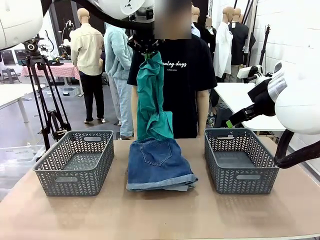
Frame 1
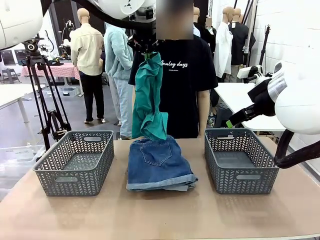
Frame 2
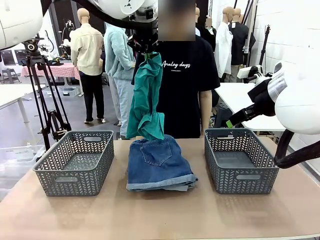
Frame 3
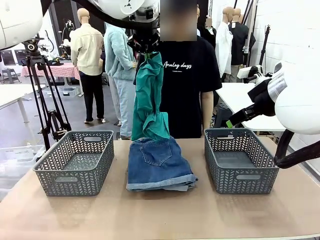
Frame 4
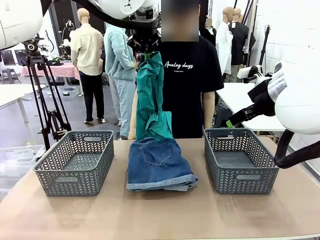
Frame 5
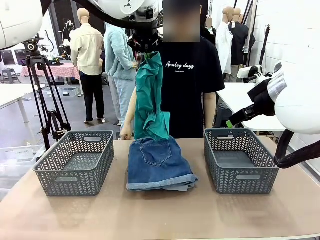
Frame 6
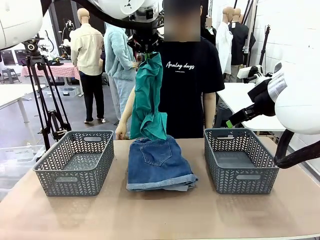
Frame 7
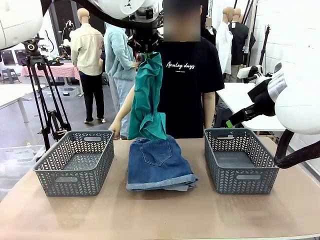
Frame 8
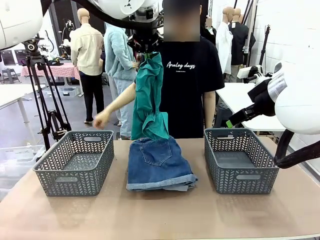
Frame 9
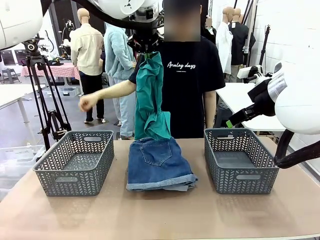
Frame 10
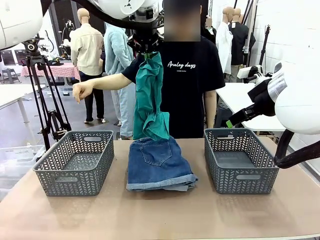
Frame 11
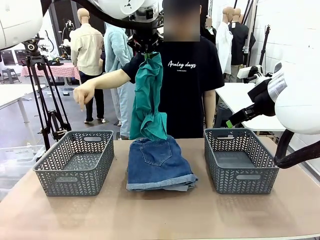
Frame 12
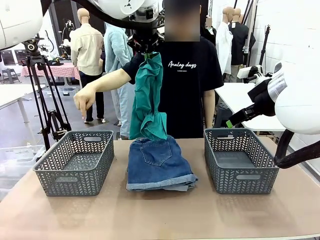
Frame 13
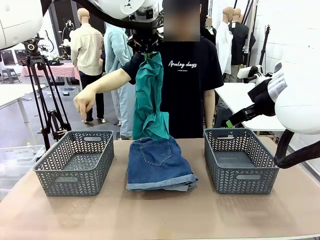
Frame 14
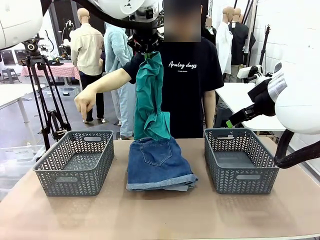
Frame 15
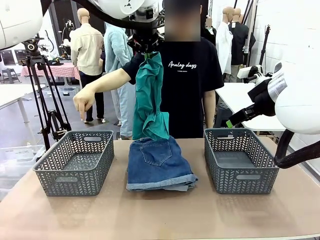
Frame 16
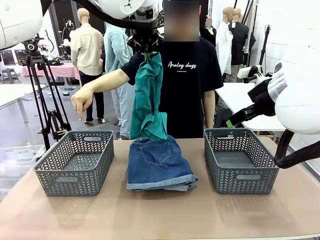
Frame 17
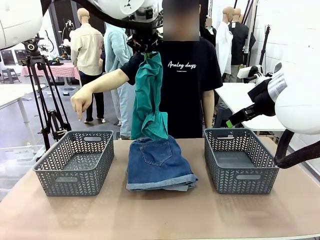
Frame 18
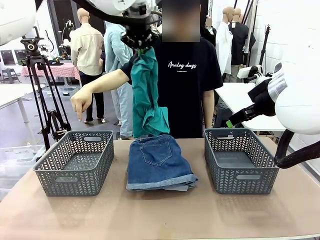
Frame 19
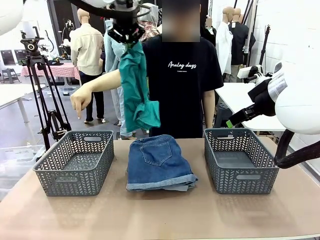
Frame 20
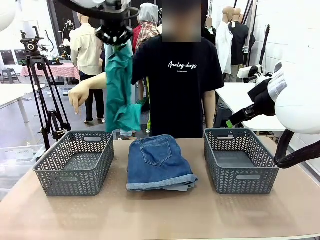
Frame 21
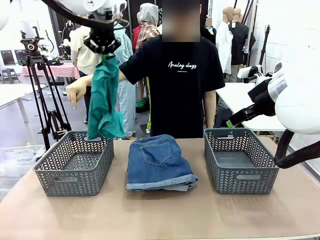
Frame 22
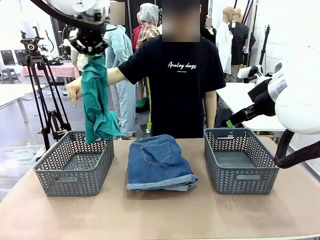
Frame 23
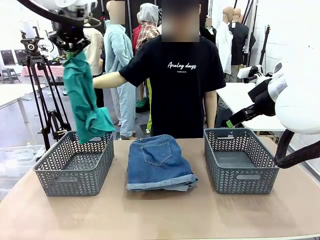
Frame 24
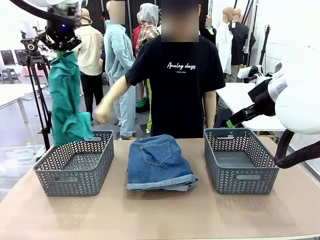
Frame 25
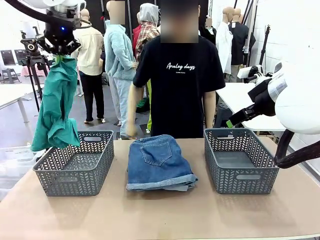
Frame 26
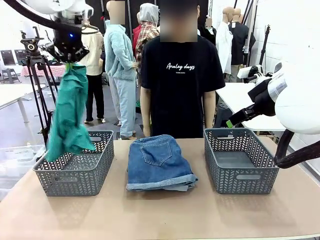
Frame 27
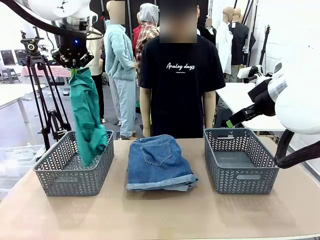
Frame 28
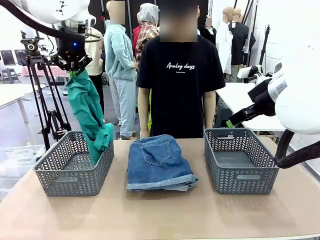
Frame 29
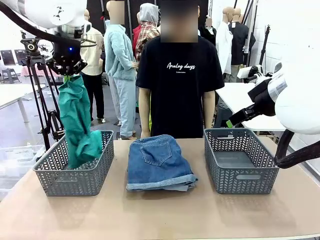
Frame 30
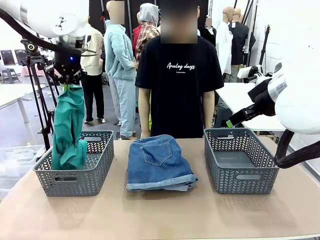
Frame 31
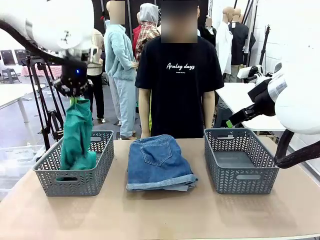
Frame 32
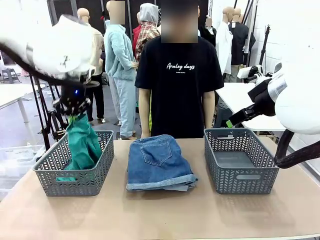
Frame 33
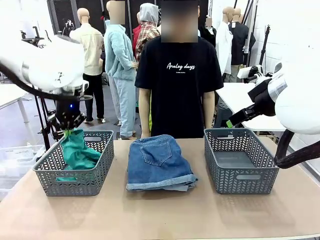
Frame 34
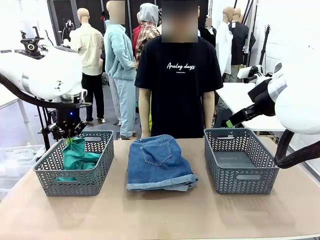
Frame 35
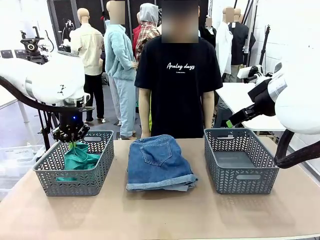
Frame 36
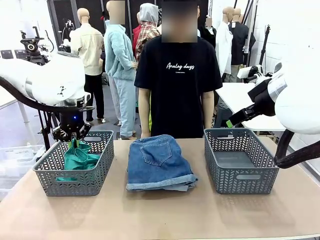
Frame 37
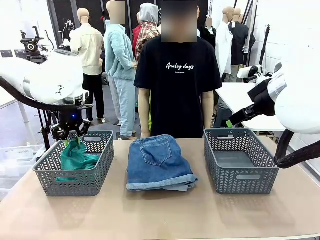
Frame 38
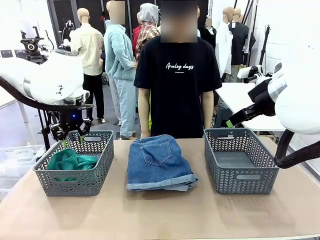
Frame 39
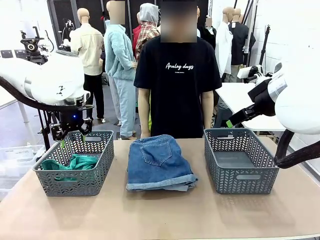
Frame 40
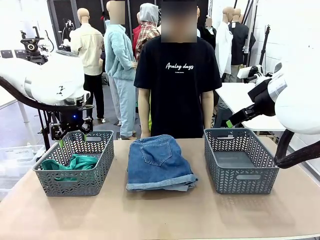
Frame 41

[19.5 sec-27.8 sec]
Task: Sort the tops and bottoms.
Robot: Sort the clothes according to human instructions.

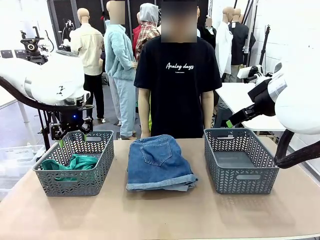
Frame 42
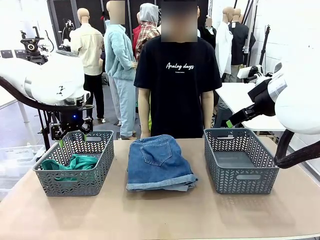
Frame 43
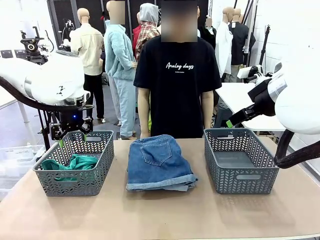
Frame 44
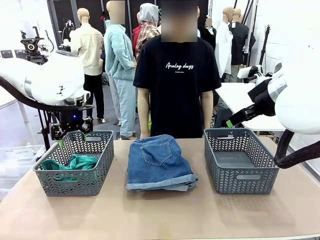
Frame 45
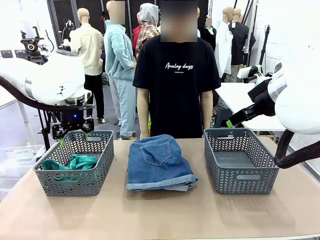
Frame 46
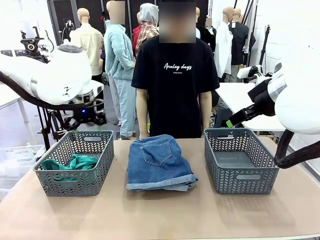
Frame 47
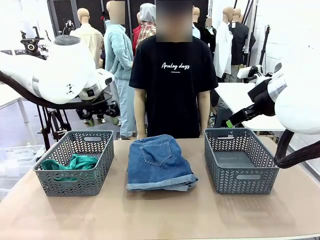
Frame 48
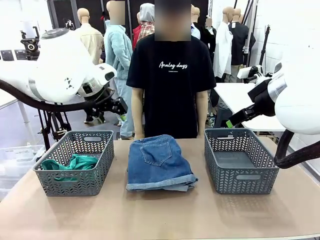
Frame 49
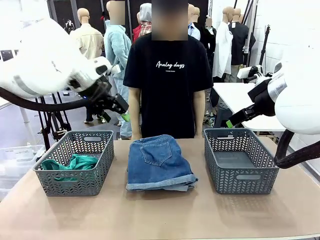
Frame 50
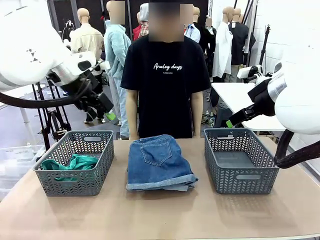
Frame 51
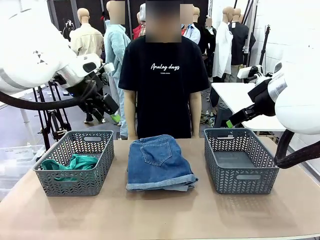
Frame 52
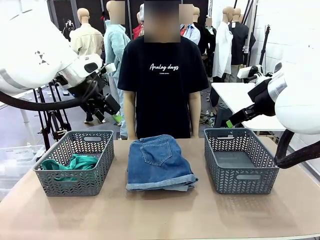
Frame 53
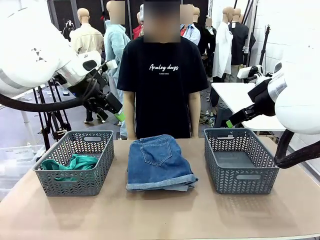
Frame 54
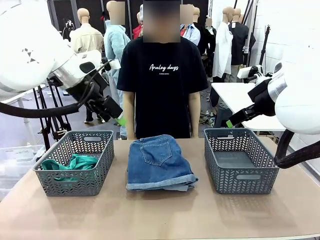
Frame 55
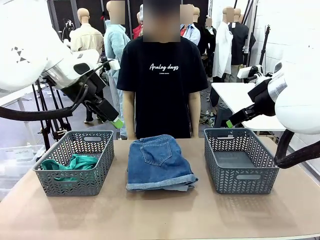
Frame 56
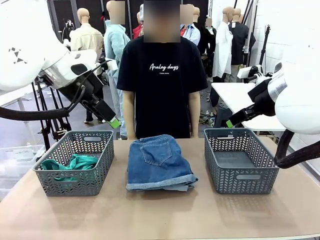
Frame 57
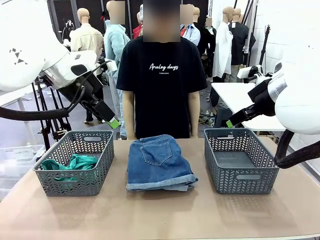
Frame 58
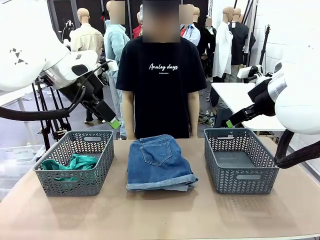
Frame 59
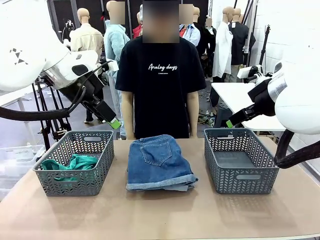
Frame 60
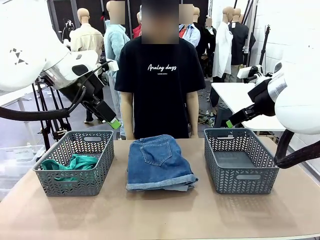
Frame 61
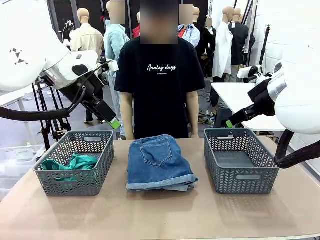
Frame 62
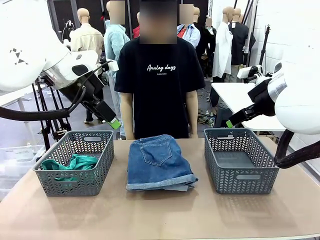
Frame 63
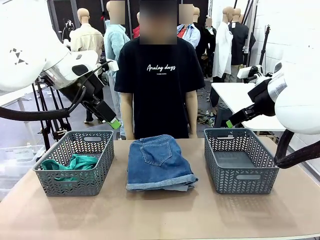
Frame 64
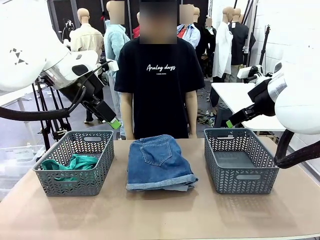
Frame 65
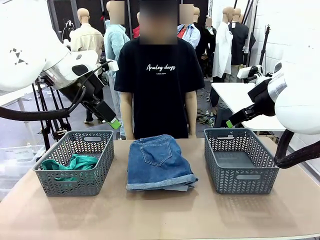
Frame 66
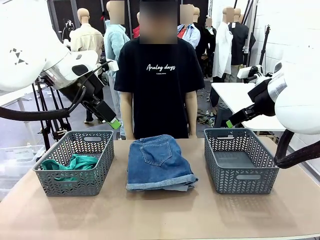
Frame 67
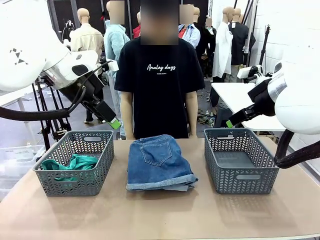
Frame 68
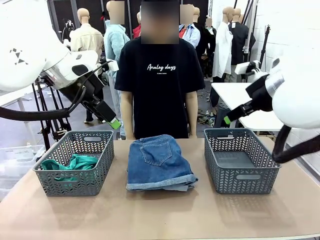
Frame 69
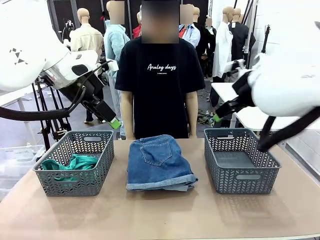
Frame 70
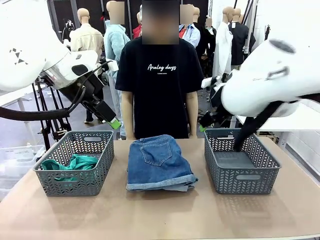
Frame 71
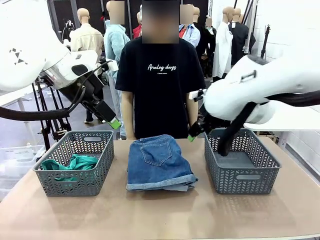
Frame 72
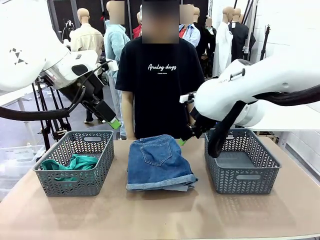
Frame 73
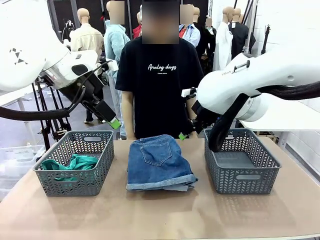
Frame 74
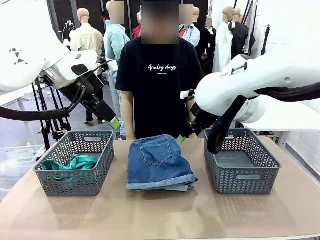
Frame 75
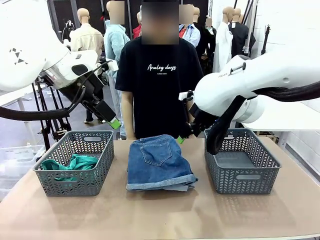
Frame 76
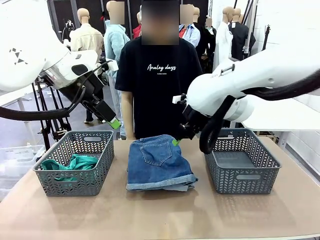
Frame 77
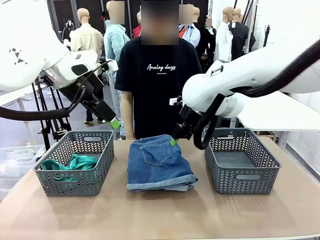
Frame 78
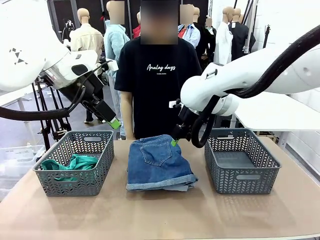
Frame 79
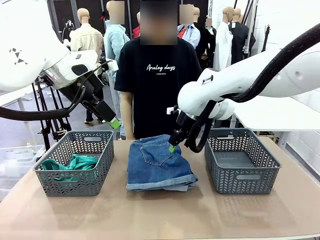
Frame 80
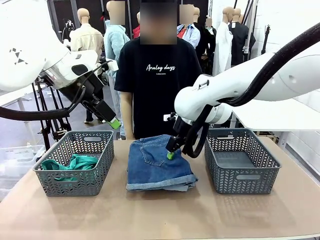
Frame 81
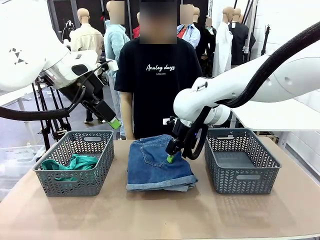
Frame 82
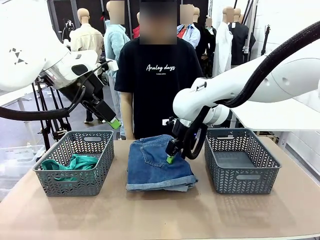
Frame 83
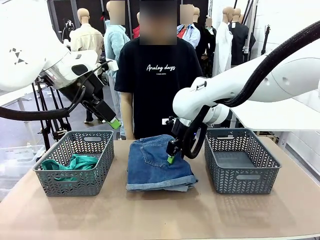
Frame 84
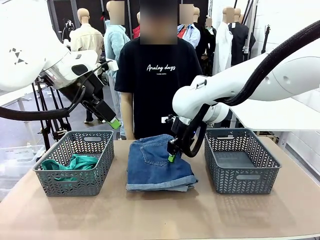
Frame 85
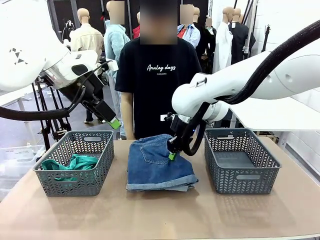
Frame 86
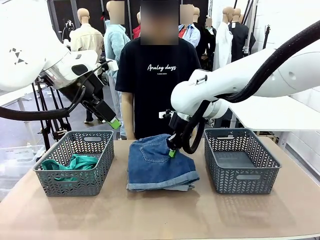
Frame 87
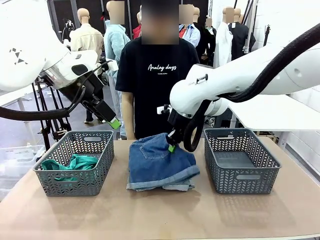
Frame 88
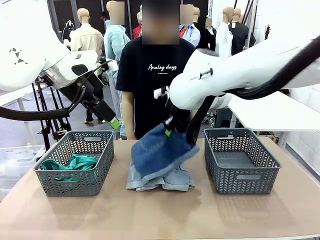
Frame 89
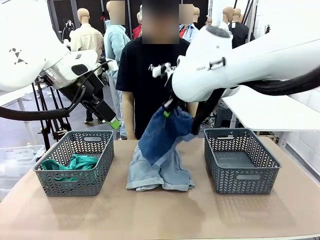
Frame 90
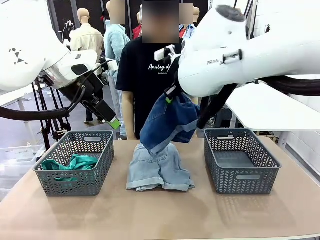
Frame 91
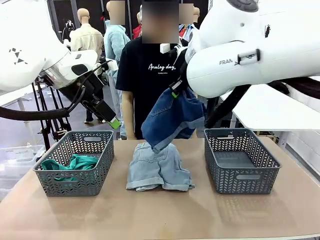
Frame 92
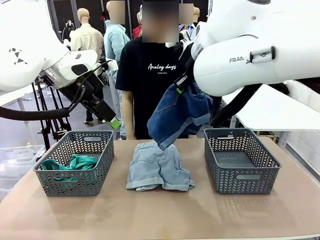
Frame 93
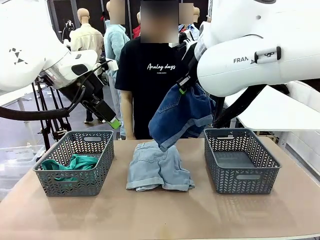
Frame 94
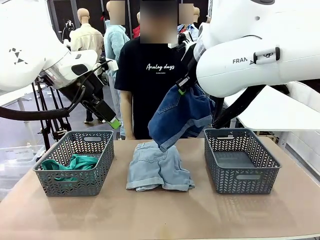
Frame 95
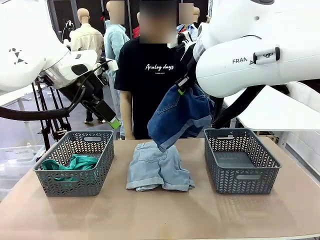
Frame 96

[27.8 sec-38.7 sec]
Robot: Lift clothes from the center of the table with your right hand.
